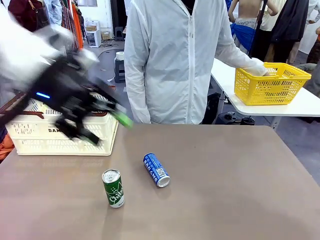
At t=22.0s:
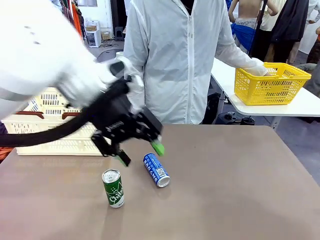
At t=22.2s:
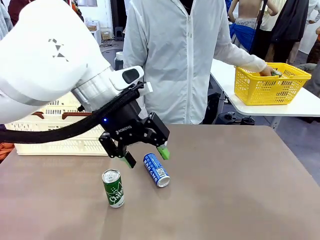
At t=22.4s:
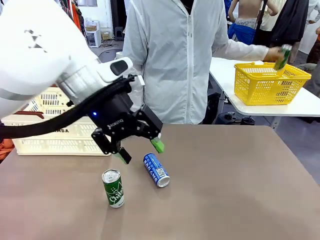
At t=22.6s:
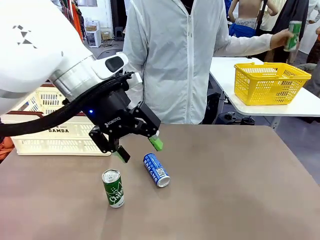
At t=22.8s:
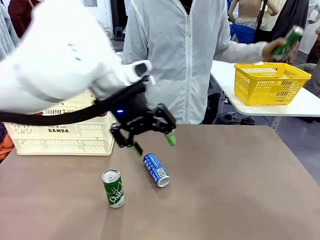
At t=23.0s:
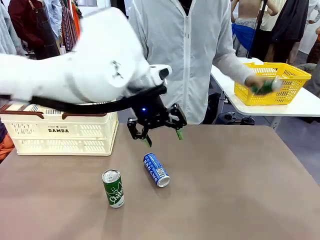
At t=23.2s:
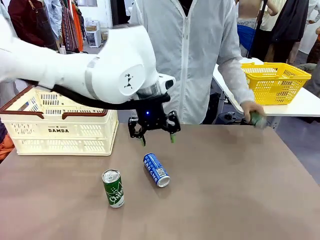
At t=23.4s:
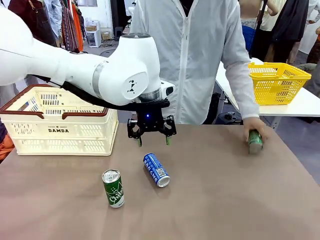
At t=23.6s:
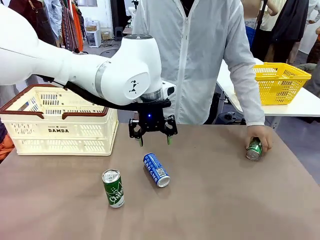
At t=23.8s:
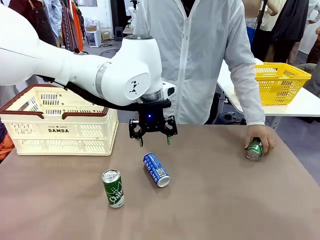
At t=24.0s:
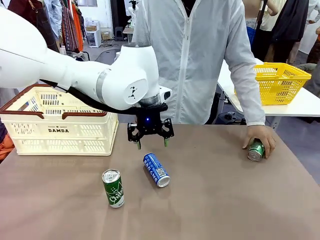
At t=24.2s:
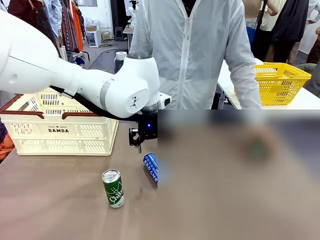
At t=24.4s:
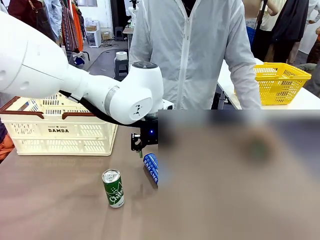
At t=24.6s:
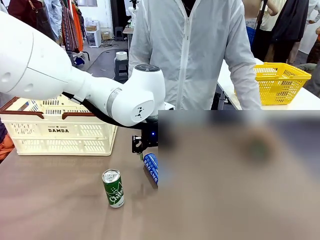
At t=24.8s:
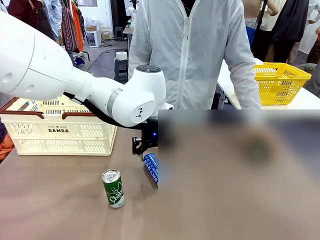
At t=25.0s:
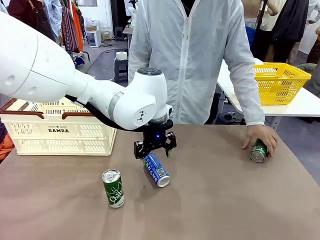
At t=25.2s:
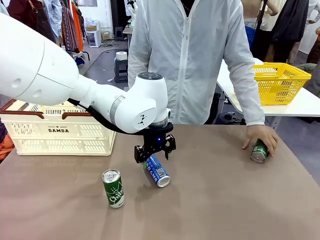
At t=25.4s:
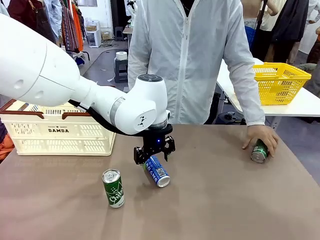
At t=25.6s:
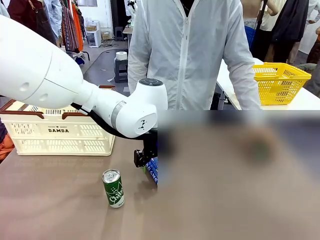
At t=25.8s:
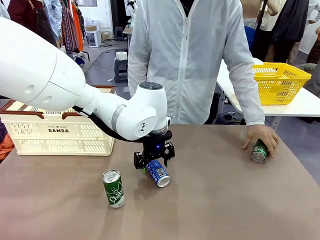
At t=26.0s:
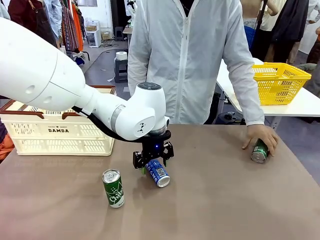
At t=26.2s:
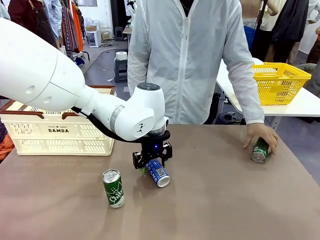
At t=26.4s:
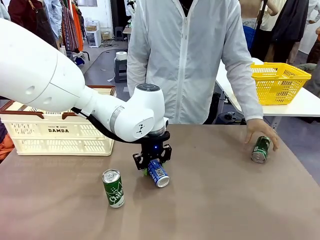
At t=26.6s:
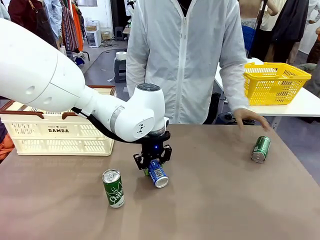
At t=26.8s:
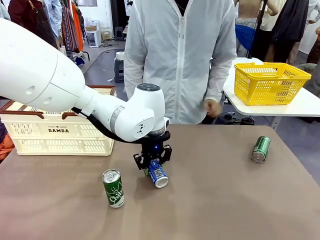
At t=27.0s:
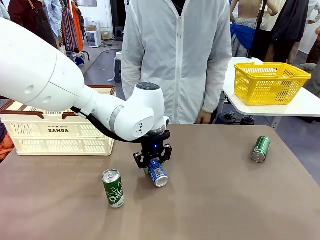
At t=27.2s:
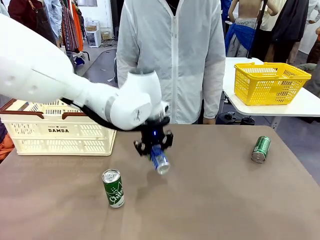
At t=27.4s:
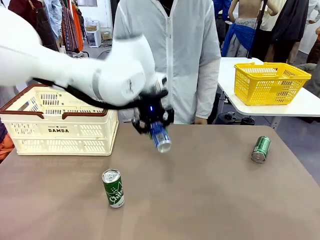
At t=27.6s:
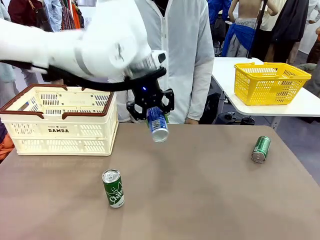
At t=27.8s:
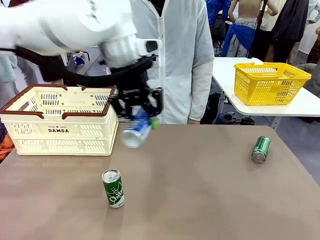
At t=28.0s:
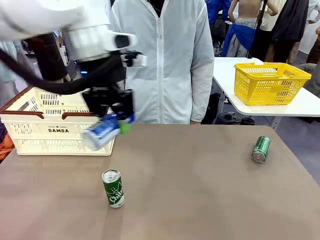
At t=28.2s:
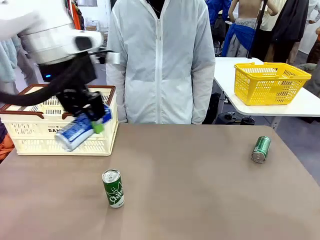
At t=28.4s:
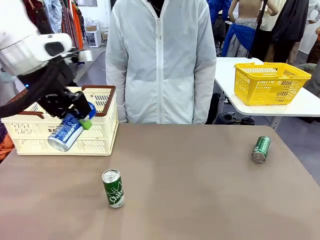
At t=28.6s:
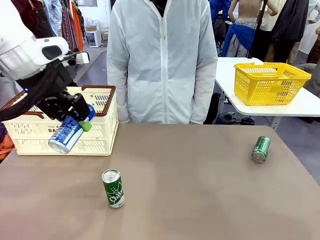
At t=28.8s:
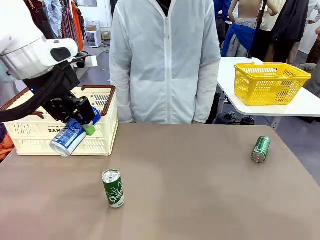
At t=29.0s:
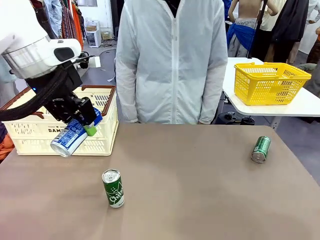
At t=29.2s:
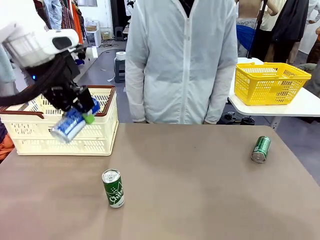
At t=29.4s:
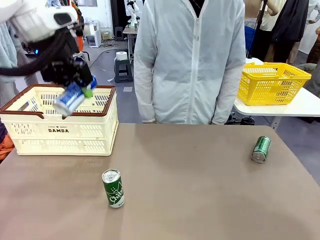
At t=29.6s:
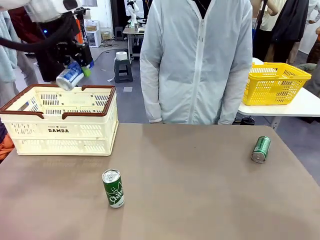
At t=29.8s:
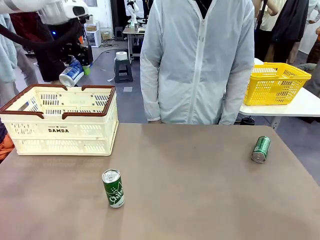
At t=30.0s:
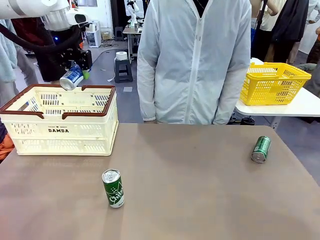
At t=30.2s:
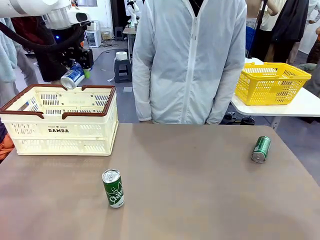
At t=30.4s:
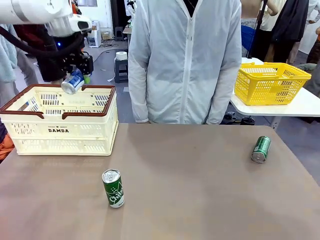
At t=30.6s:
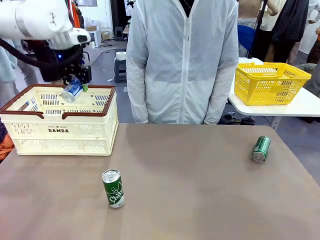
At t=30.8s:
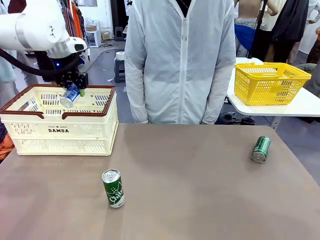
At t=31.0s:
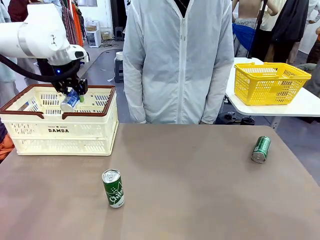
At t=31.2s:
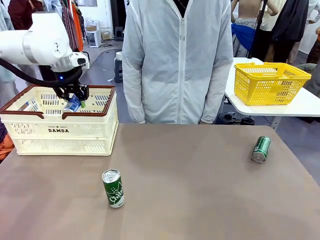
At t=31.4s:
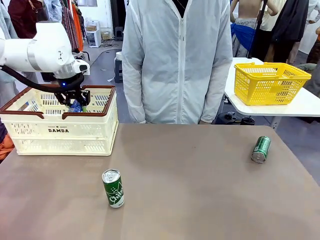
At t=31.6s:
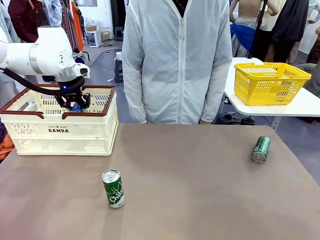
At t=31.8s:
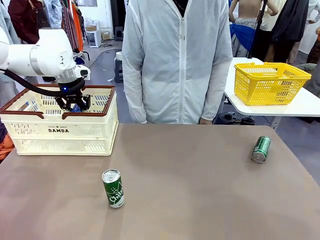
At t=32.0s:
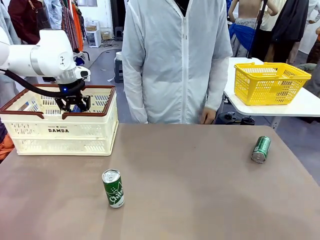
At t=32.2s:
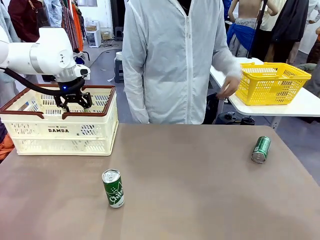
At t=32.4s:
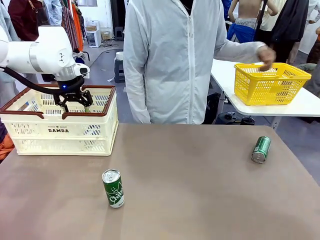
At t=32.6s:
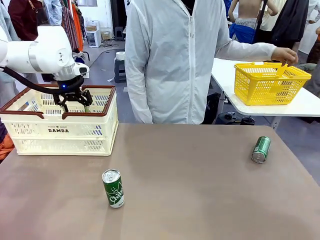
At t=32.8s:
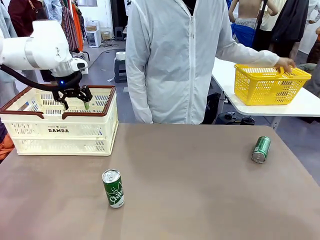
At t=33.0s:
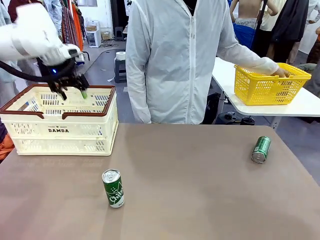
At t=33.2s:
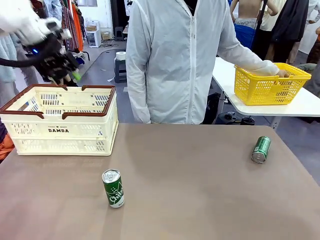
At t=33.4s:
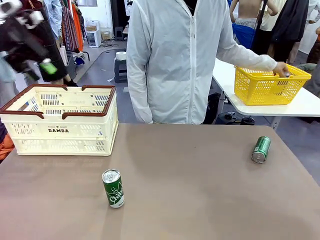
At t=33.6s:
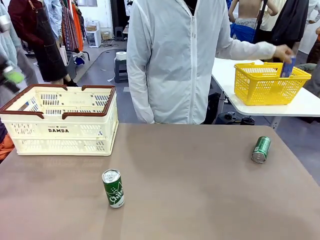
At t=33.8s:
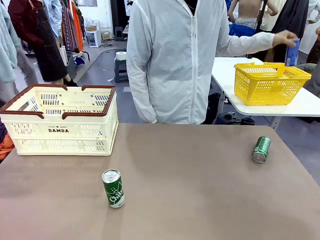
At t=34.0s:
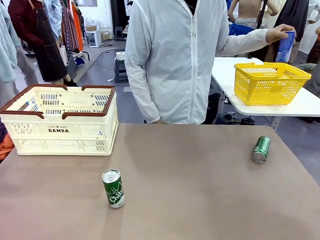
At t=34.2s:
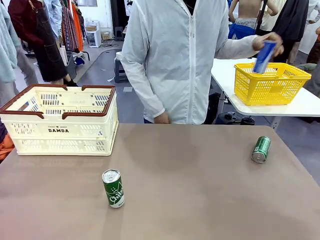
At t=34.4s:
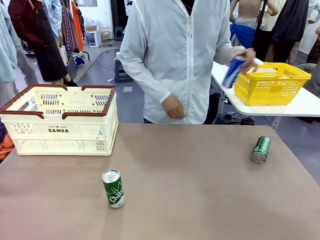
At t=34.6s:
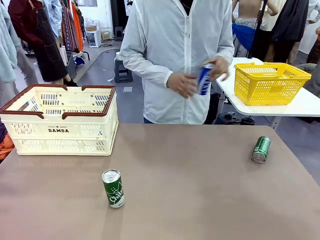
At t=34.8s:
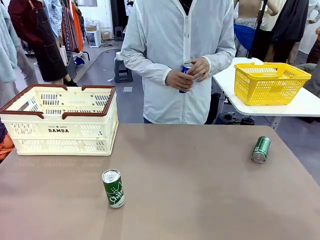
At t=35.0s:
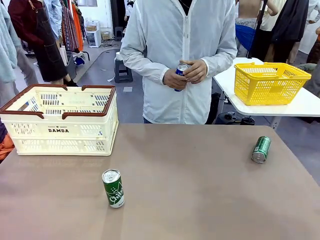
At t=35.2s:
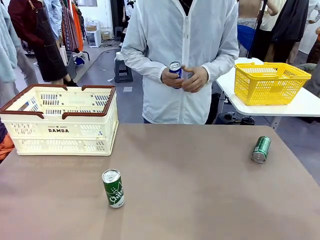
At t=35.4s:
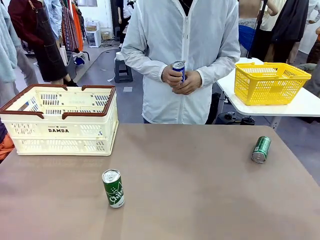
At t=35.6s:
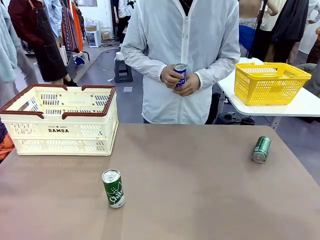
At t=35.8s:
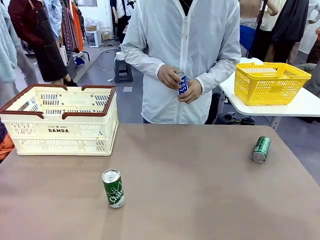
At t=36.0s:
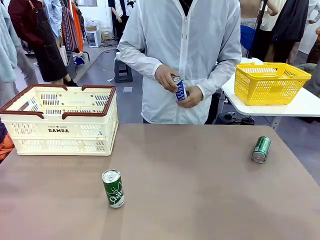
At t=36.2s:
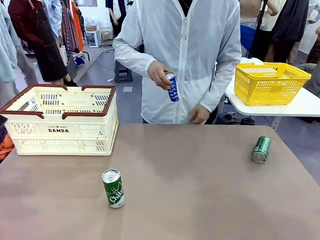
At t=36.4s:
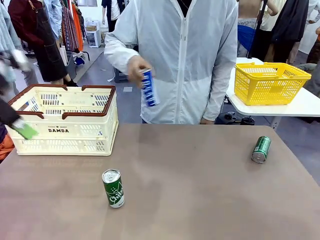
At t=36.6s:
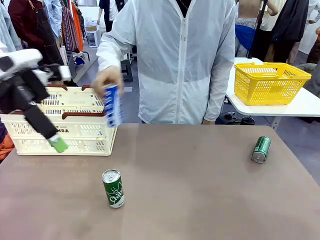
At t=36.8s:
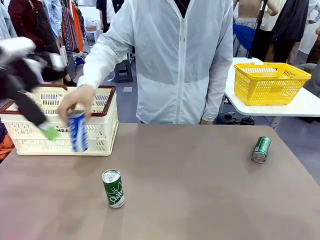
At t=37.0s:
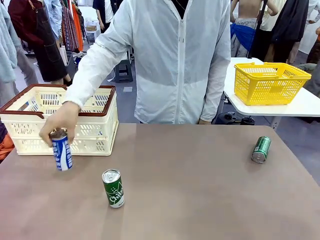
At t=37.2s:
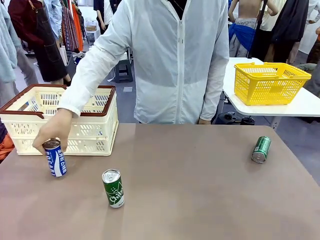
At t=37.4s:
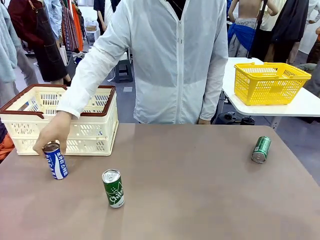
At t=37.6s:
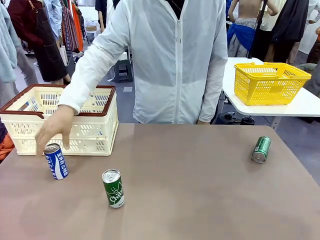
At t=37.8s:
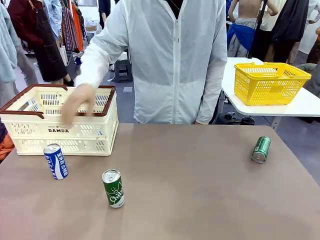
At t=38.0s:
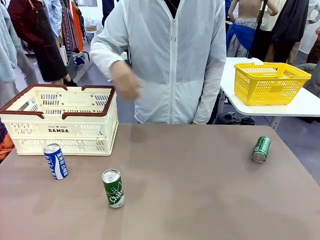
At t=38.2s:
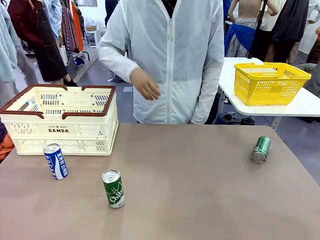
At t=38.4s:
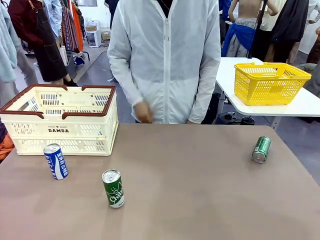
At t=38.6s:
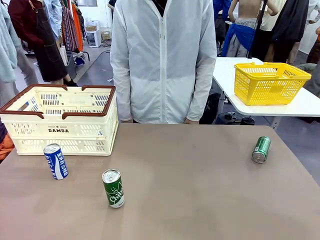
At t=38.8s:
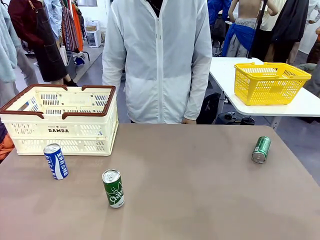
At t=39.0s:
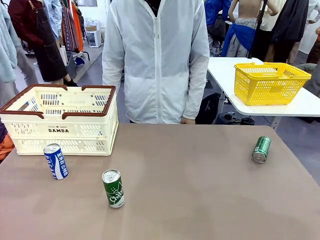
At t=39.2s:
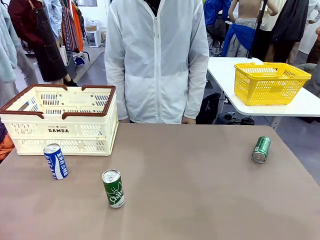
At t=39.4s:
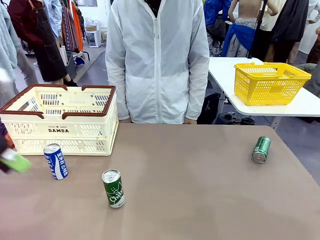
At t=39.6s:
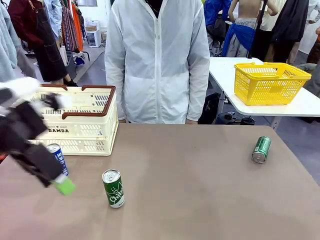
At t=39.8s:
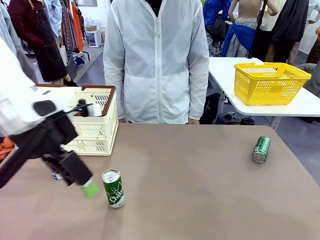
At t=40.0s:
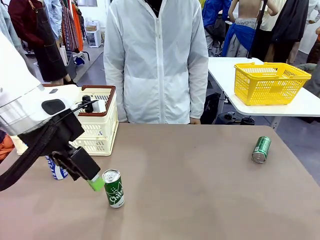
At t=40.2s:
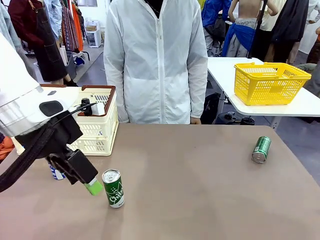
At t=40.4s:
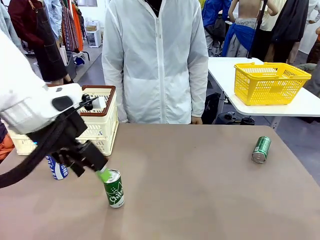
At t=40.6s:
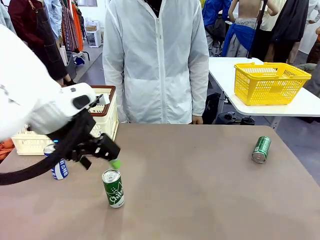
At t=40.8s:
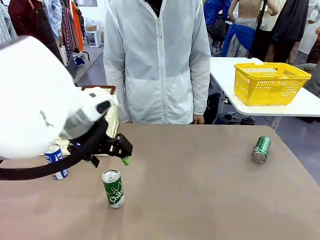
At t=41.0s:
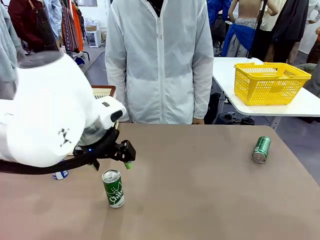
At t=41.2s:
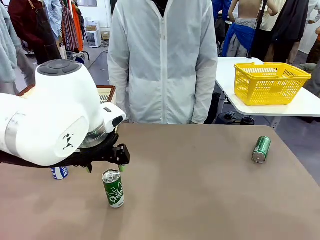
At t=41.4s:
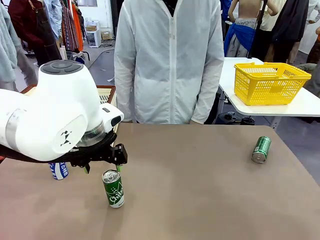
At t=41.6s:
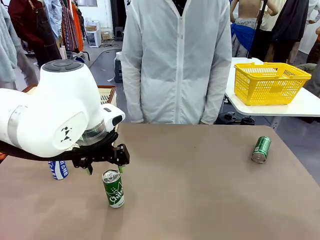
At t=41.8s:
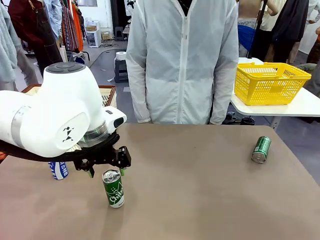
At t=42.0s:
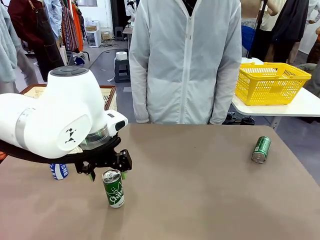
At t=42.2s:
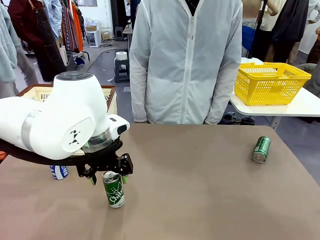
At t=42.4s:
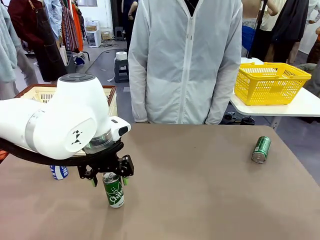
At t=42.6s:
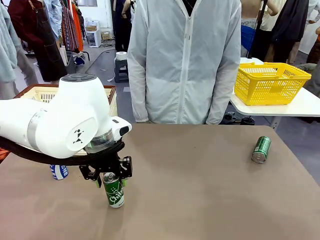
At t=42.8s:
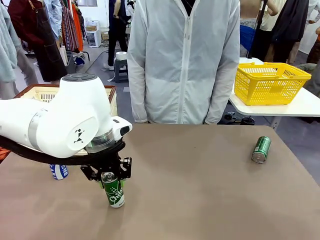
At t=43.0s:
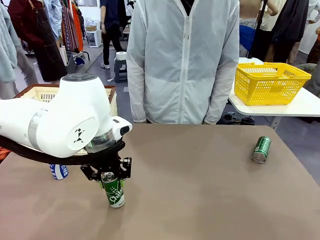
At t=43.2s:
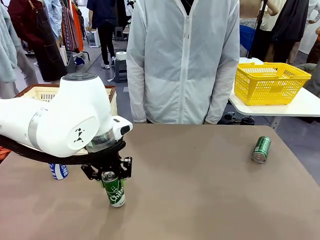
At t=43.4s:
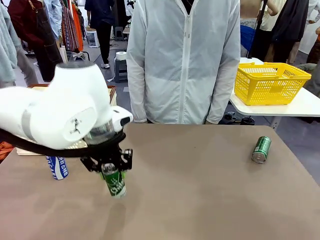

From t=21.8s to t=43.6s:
Task: Place the drinks into the Shopping basket.
Robot: Pick up one drink and place it into the Shopping basket.
